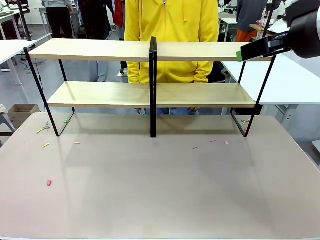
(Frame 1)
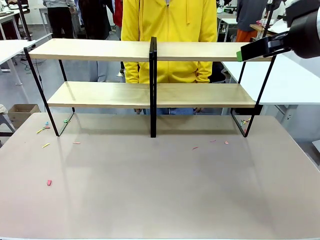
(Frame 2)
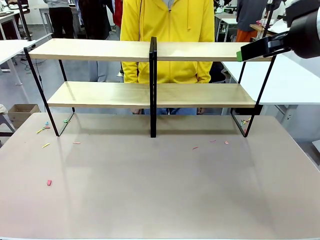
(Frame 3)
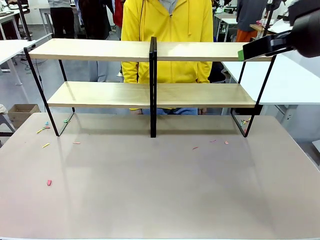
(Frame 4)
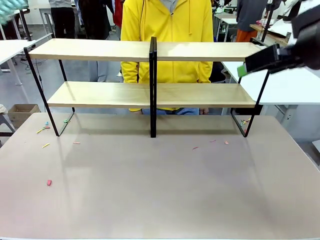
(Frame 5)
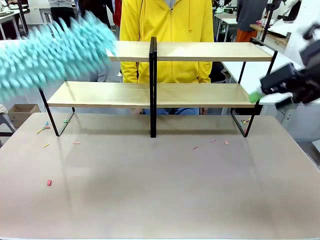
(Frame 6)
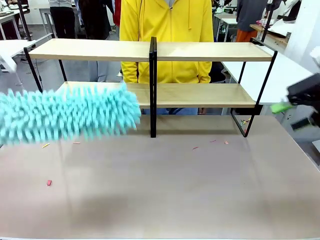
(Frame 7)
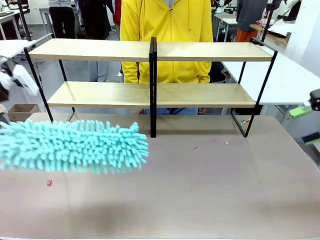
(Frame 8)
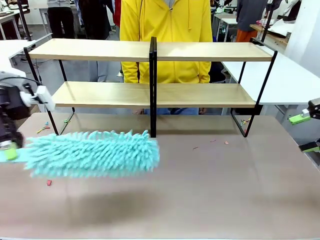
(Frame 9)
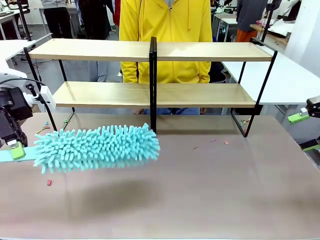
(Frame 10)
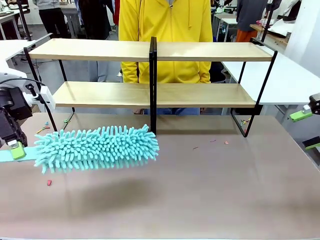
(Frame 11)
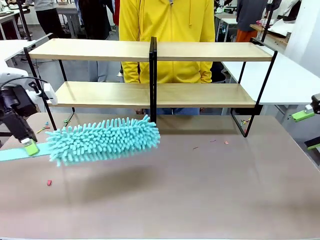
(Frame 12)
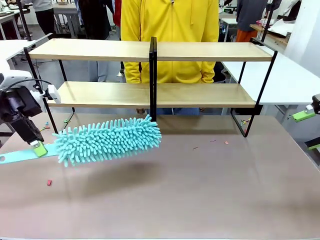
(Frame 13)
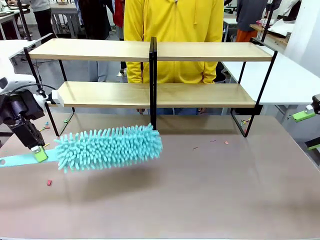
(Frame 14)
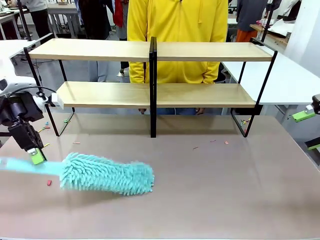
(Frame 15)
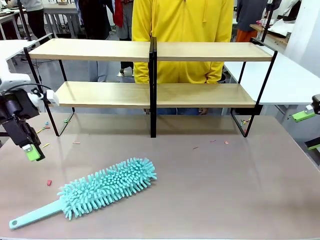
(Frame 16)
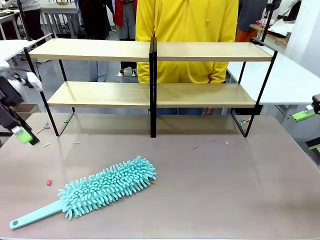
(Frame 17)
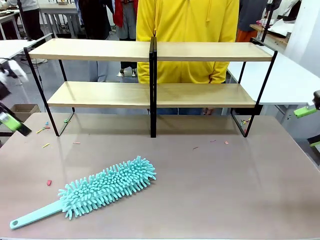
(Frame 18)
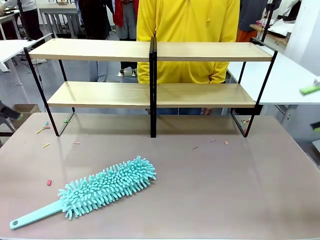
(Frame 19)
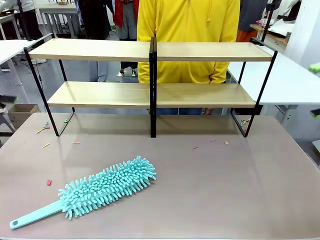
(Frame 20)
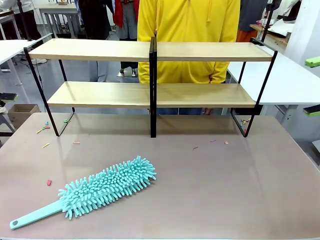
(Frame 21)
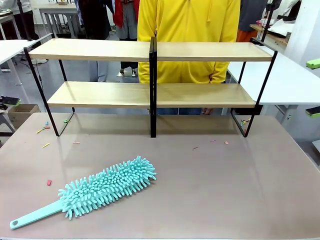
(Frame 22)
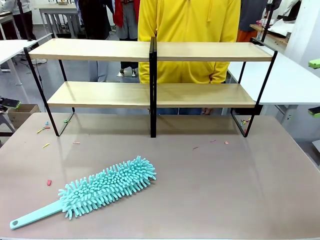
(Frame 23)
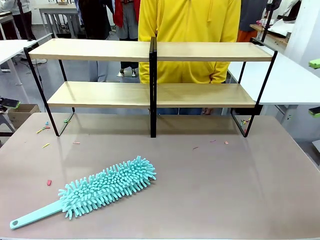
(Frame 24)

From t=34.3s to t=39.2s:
Task: Clean the shelves.
Robot: Place the Duster on the table.

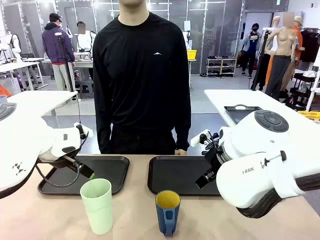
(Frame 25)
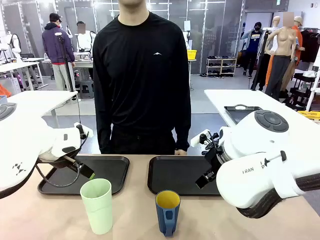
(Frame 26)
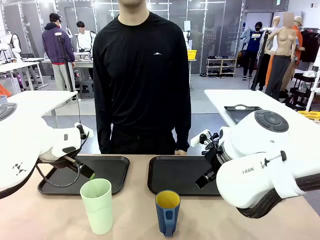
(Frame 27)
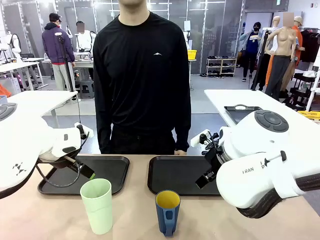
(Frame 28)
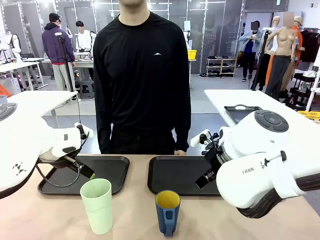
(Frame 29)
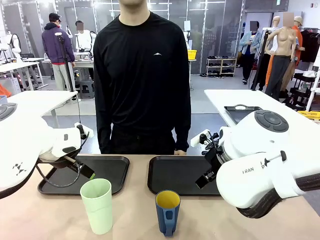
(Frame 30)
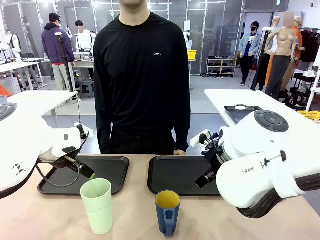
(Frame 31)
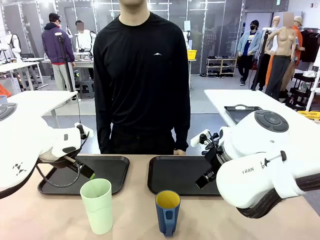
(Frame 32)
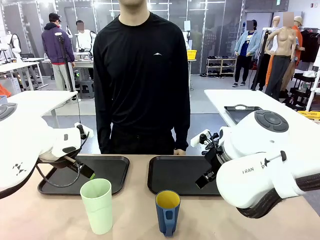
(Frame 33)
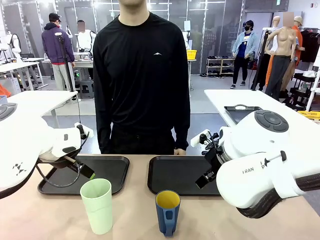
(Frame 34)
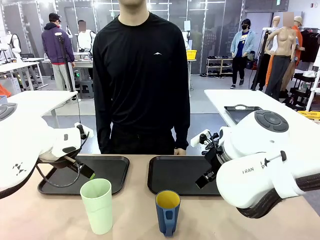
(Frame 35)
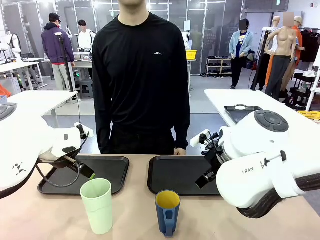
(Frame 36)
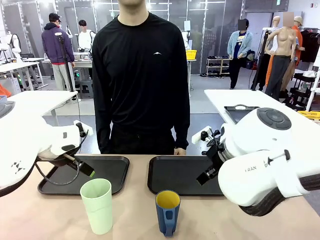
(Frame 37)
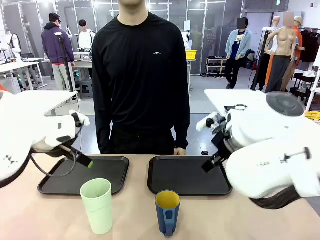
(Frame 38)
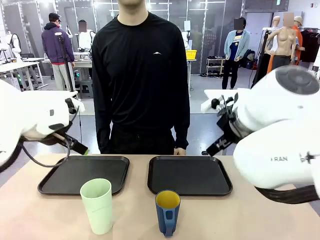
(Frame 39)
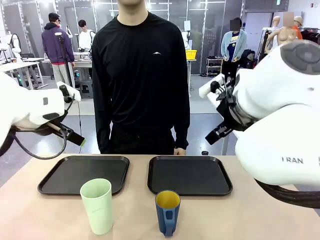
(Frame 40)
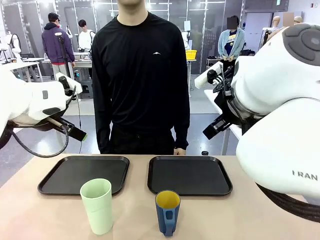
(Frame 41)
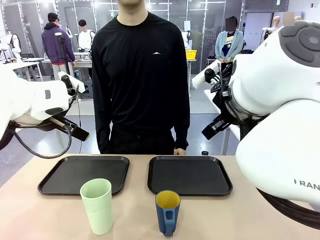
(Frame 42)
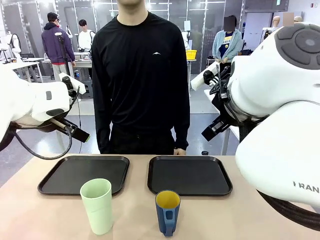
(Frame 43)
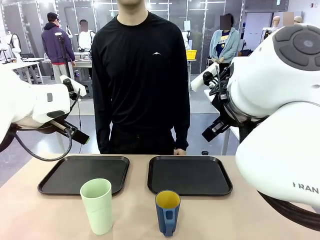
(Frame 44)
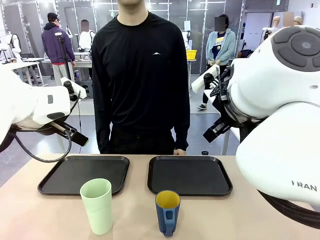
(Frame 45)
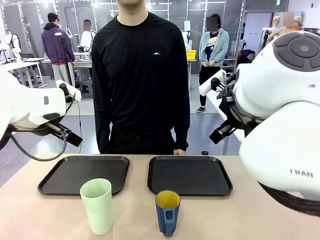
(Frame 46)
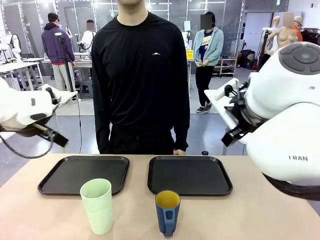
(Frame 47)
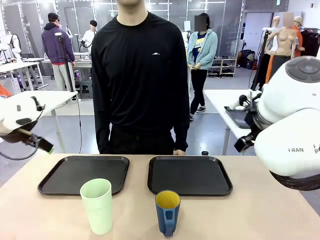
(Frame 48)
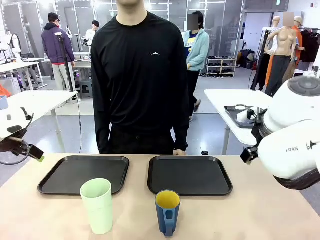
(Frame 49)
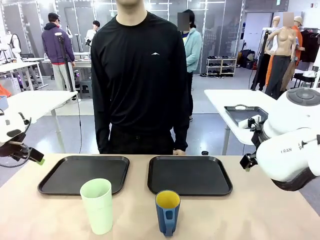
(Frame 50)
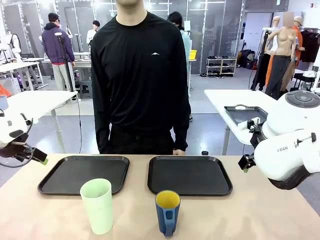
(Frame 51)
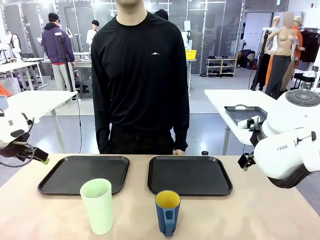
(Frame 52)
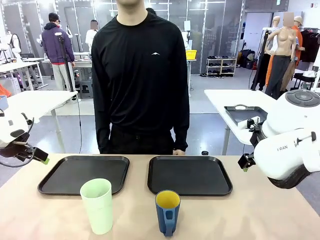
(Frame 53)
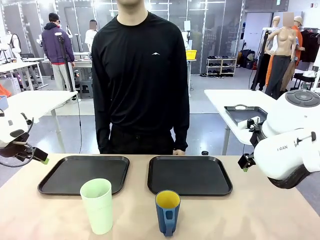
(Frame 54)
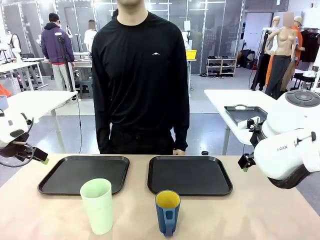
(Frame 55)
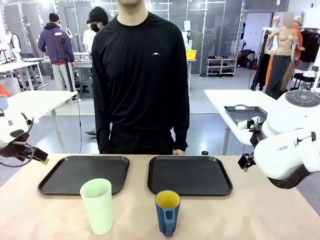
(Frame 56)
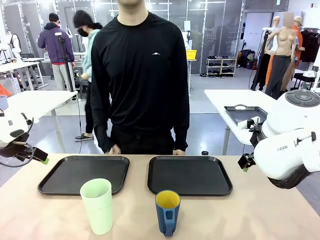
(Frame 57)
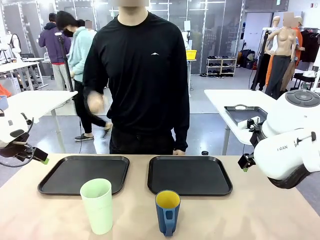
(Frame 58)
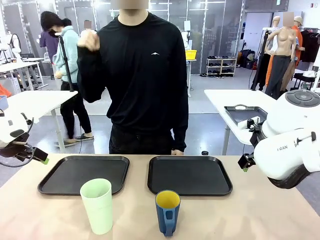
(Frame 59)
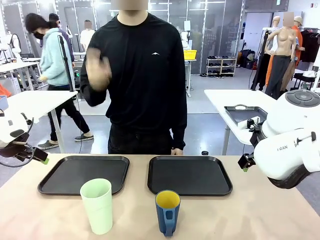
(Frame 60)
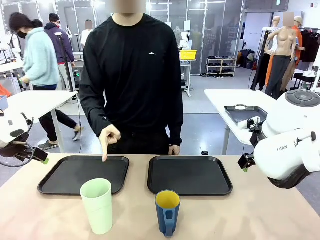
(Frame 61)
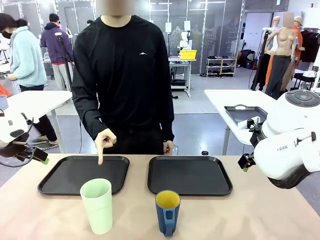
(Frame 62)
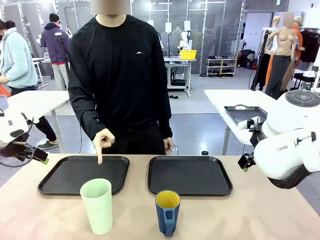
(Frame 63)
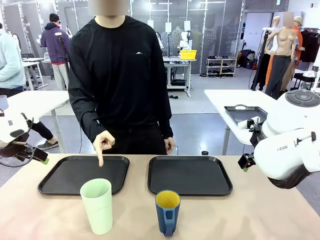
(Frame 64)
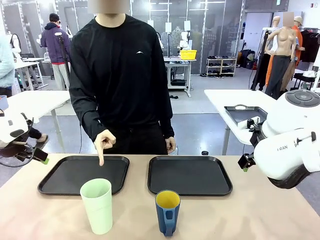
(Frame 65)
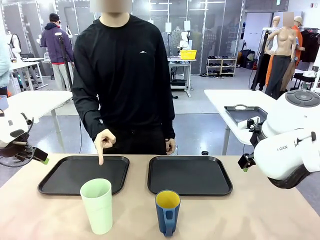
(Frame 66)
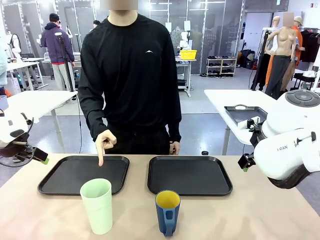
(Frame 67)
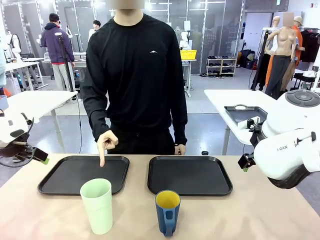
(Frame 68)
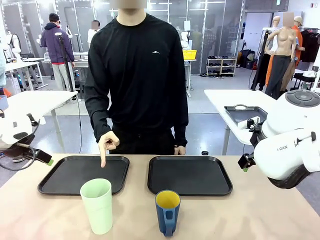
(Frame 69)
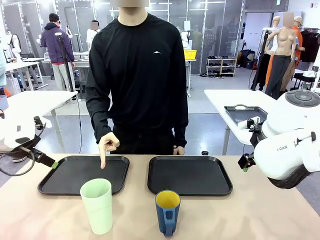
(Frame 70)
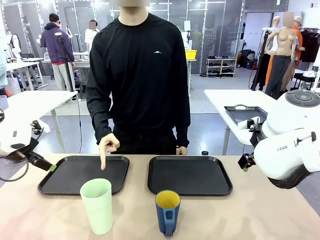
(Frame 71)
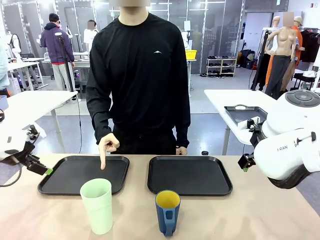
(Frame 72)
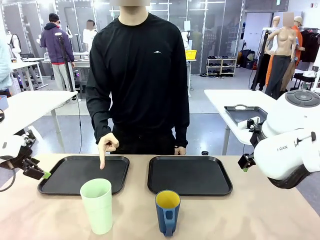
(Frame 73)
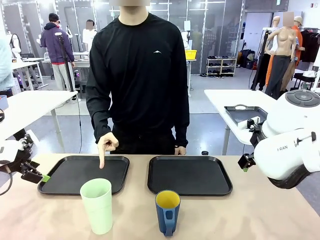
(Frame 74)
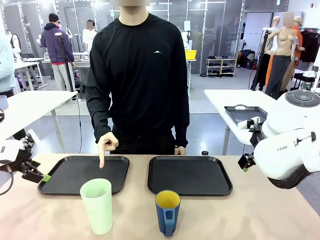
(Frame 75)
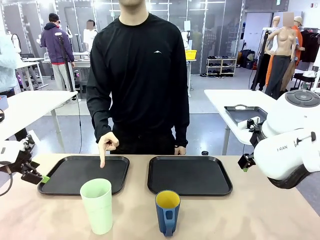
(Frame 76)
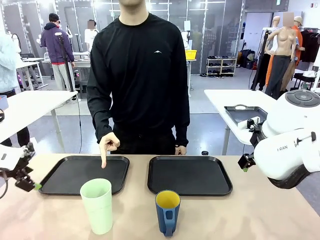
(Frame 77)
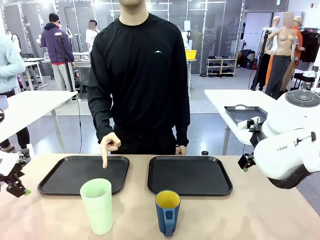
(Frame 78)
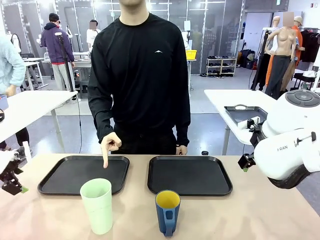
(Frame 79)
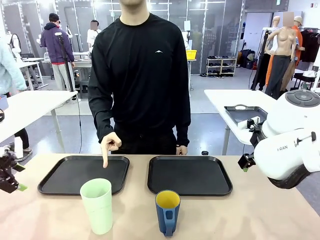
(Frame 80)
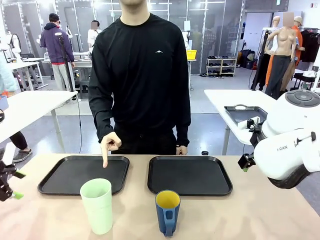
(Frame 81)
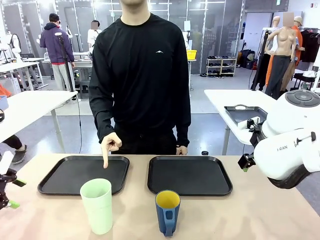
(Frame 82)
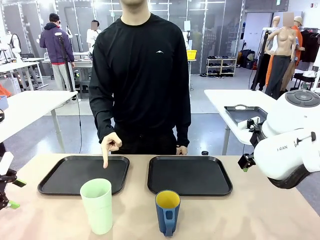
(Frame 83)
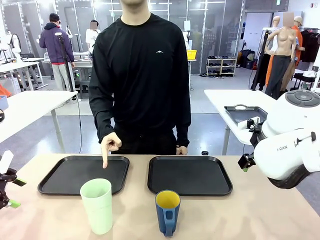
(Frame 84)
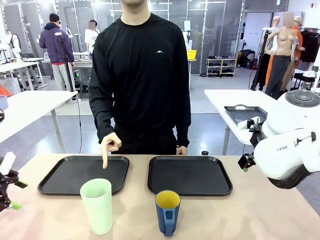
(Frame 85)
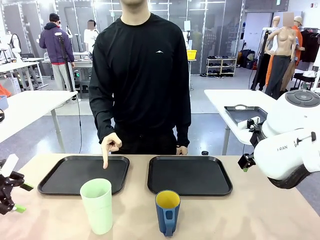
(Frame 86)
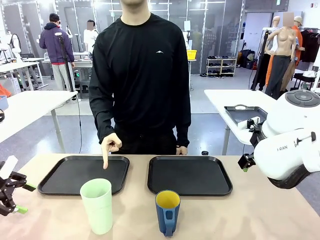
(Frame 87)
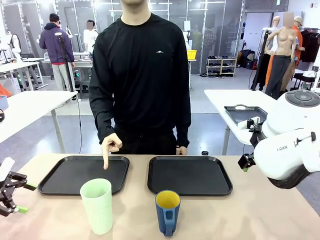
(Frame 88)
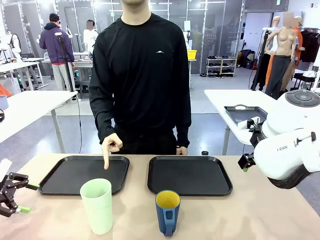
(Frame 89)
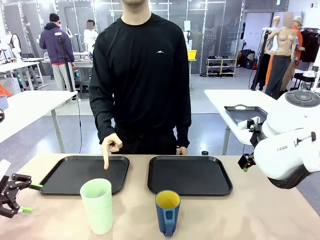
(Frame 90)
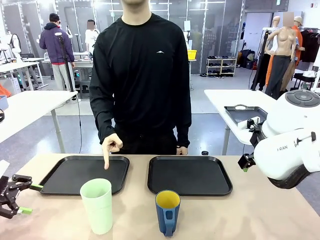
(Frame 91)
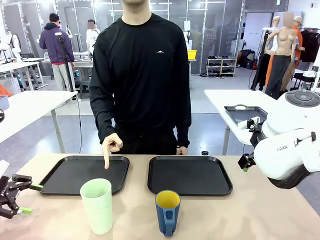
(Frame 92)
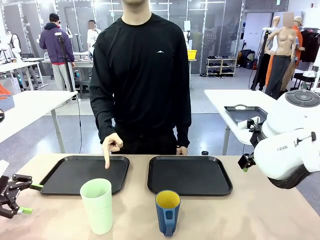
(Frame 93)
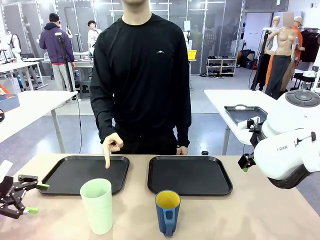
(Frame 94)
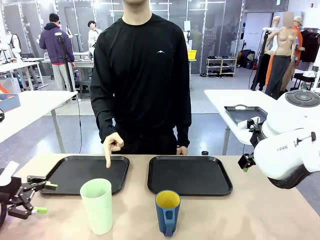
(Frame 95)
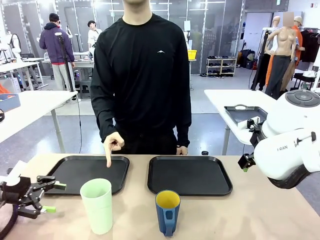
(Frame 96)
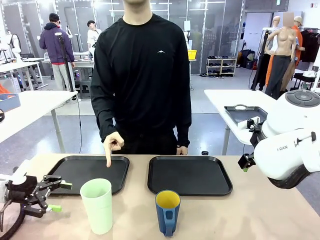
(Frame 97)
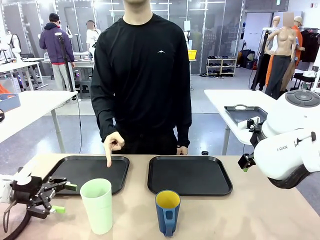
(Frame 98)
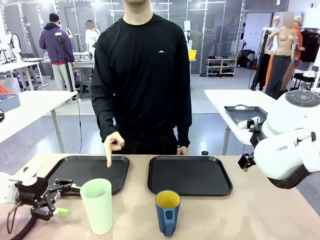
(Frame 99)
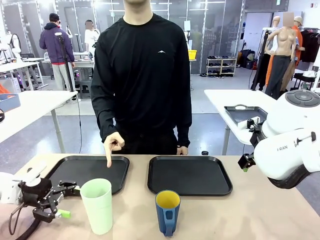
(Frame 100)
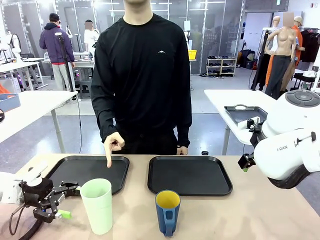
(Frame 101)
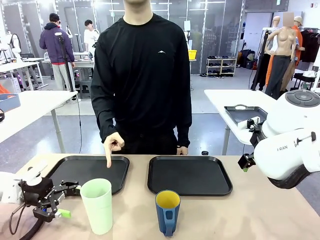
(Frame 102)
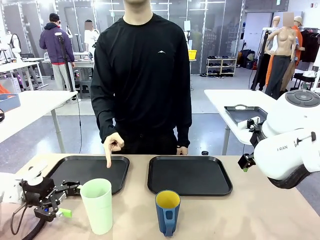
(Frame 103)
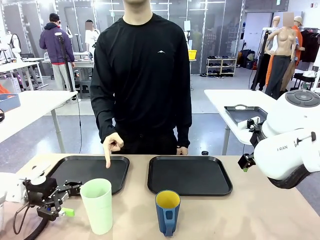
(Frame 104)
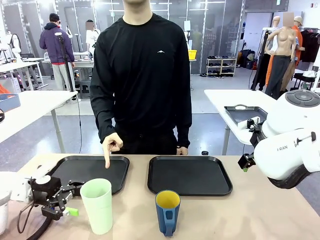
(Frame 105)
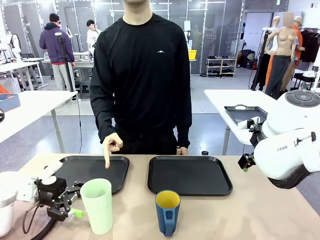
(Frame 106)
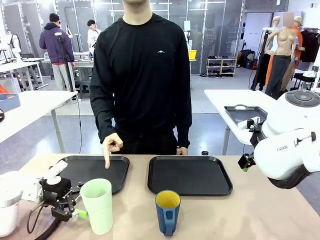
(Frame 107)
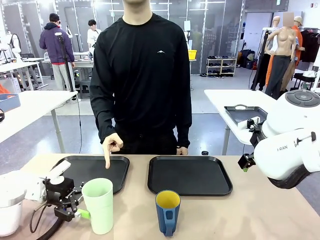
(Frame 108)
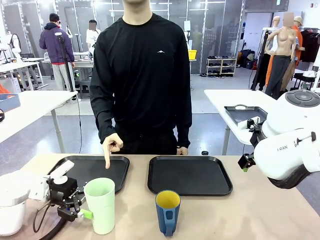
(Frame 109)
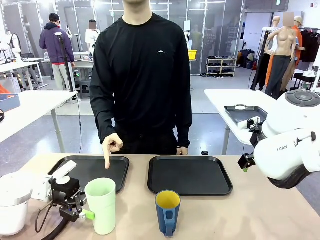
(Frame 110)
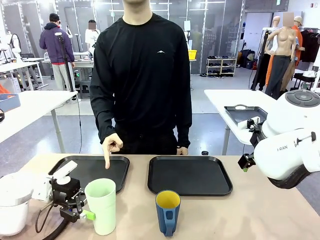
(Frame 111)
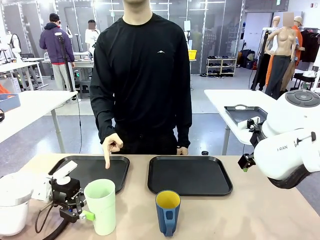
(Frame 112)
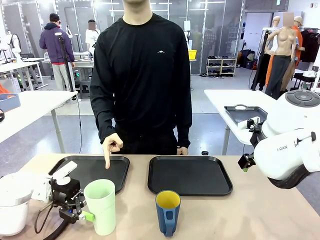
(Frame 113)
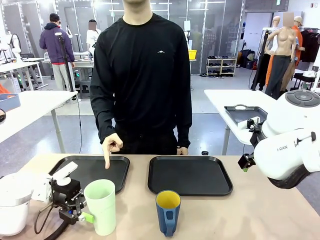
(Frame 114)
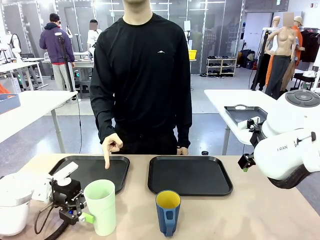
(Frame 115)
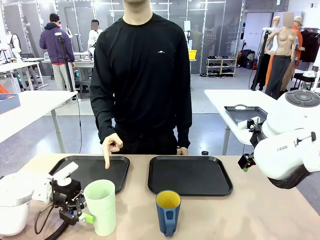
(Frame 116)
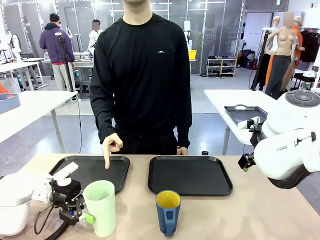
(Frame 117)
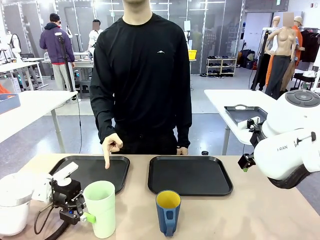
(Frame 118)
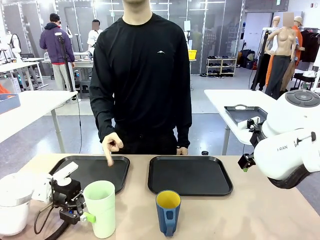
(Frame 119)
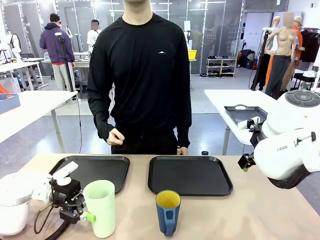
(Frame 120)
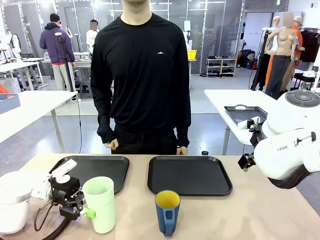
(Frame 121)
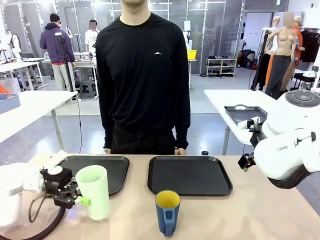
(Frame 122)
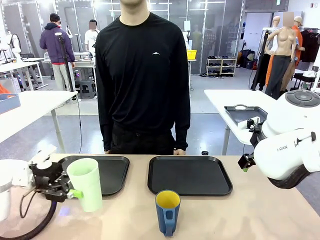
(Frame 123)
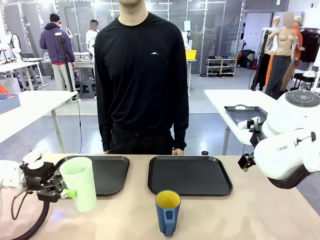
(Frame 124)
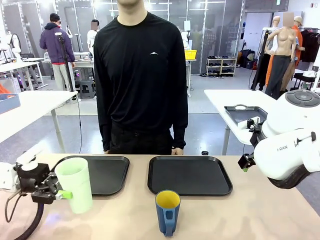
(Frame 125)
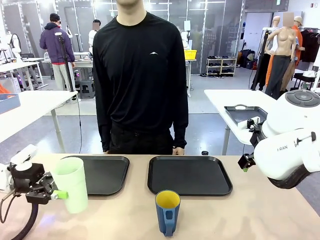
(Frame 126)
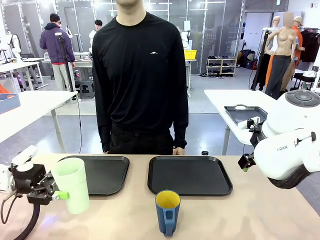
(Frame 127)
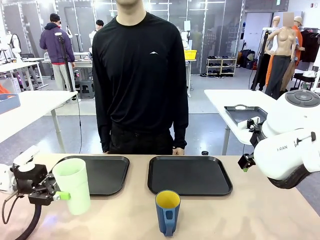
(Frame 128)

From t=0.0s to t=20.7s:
Task: Sort and store the cups by type.
Robot: Pick up the Reusable plastic cup.
Person: Points to the reusable cup. Point to one of the two trays.
